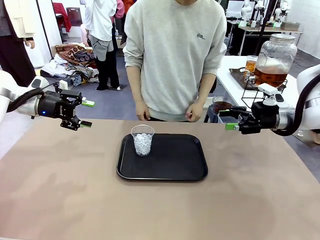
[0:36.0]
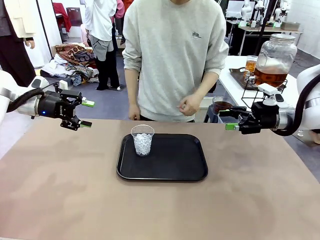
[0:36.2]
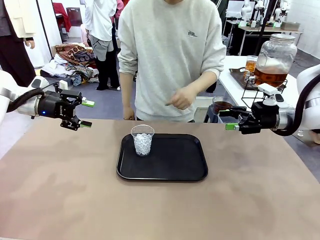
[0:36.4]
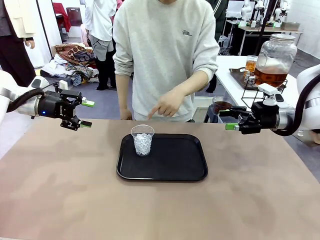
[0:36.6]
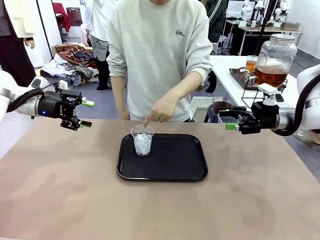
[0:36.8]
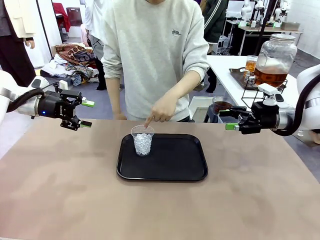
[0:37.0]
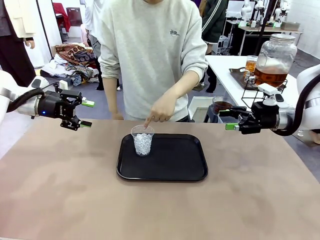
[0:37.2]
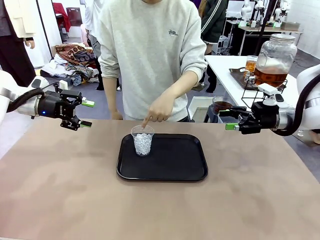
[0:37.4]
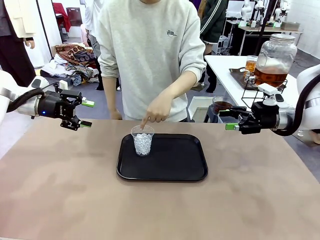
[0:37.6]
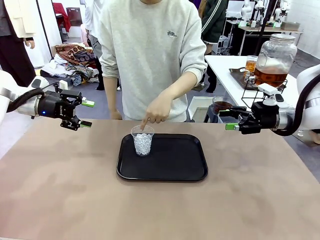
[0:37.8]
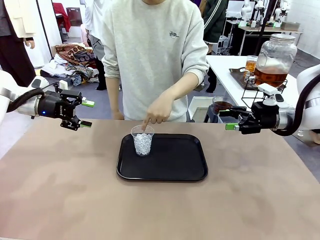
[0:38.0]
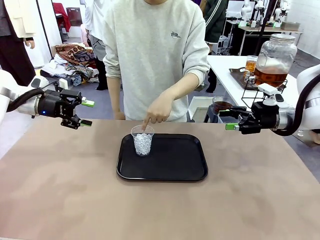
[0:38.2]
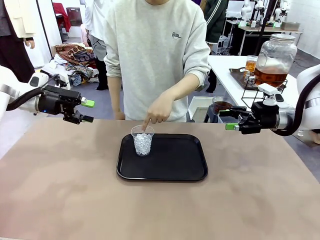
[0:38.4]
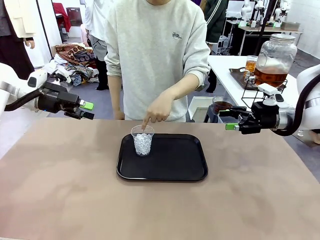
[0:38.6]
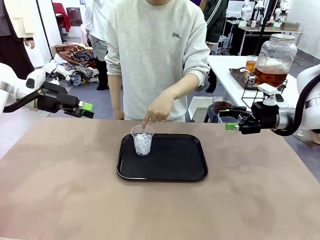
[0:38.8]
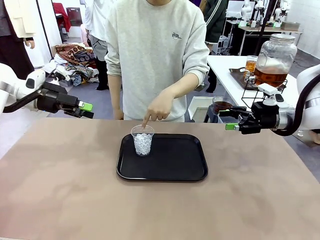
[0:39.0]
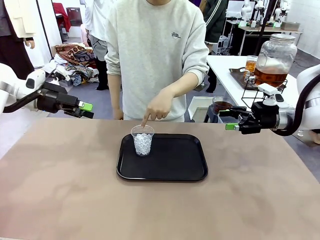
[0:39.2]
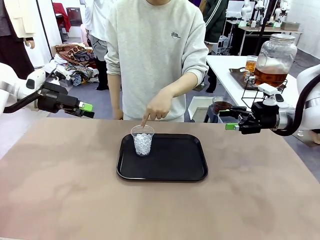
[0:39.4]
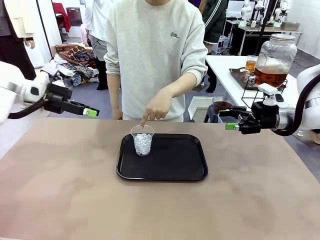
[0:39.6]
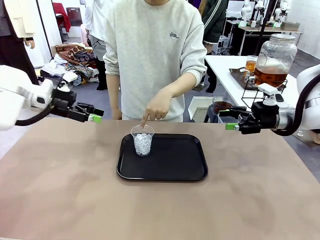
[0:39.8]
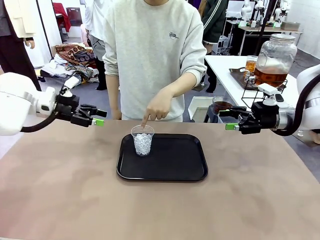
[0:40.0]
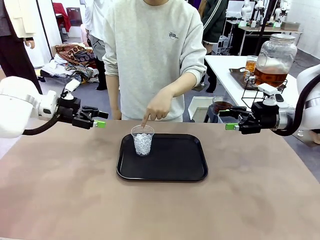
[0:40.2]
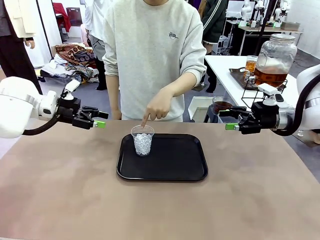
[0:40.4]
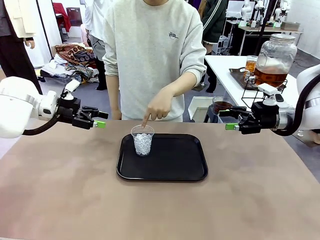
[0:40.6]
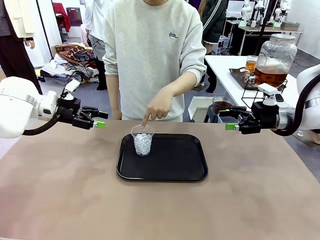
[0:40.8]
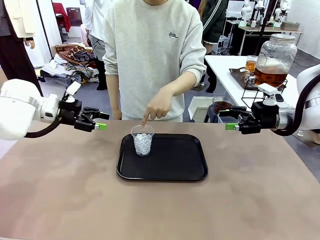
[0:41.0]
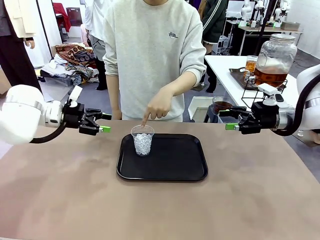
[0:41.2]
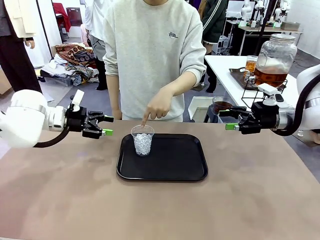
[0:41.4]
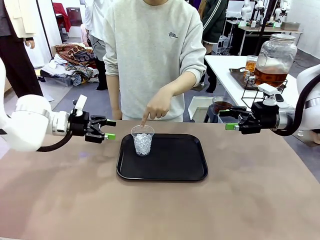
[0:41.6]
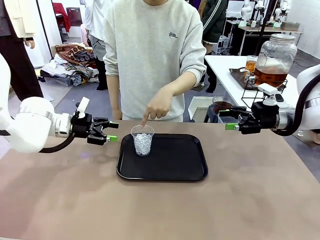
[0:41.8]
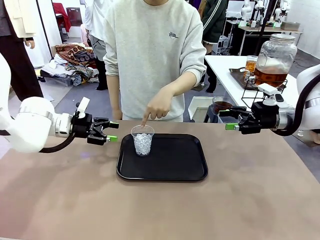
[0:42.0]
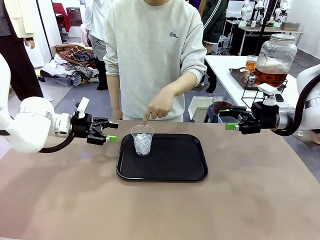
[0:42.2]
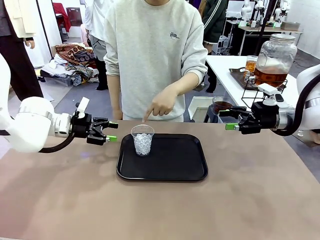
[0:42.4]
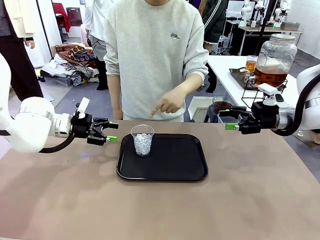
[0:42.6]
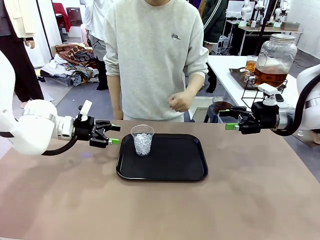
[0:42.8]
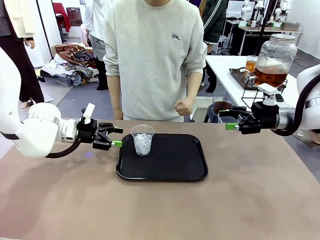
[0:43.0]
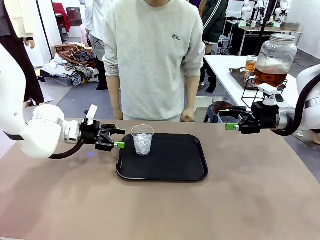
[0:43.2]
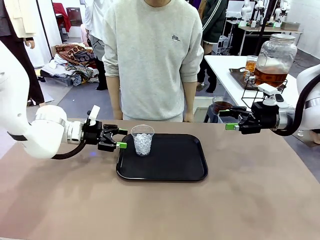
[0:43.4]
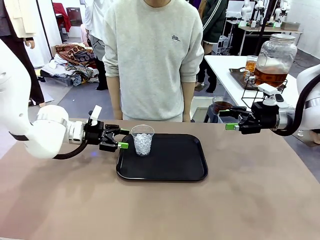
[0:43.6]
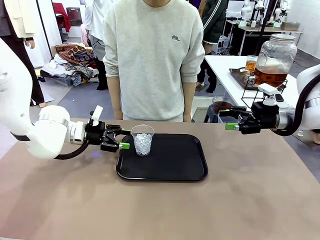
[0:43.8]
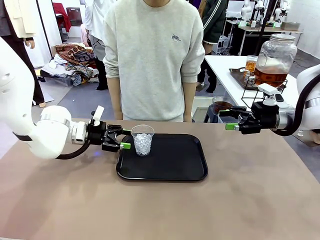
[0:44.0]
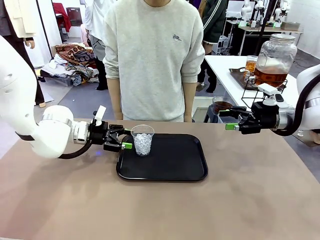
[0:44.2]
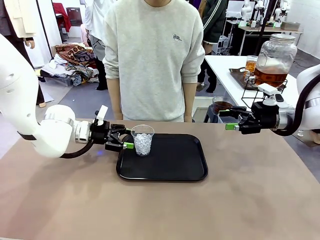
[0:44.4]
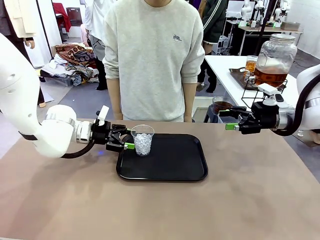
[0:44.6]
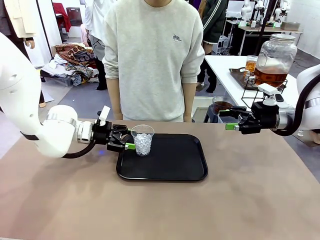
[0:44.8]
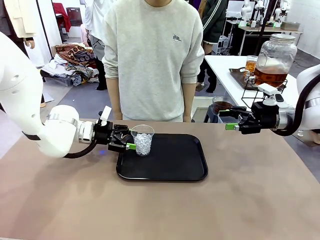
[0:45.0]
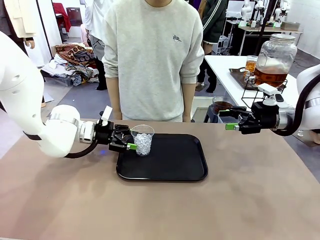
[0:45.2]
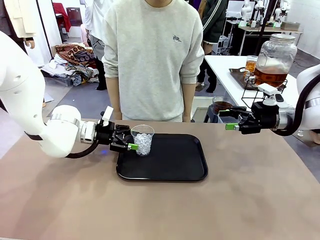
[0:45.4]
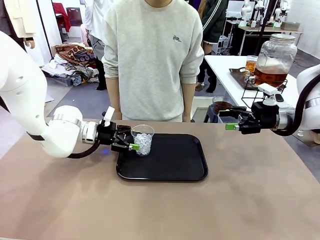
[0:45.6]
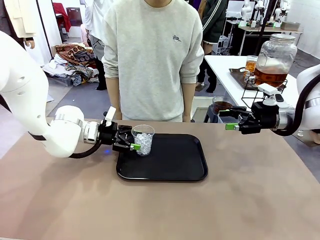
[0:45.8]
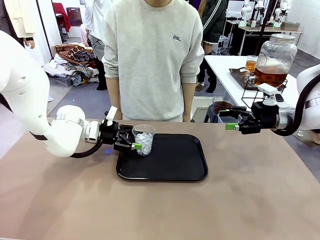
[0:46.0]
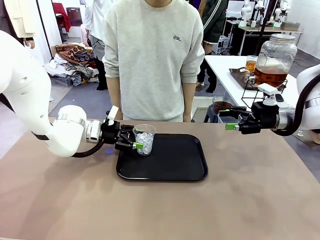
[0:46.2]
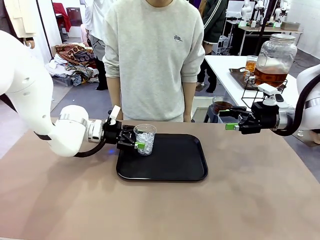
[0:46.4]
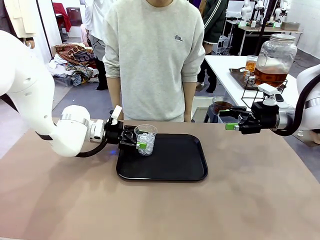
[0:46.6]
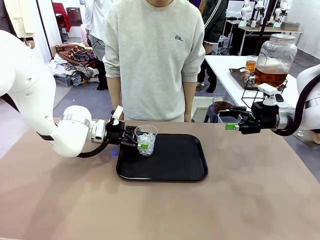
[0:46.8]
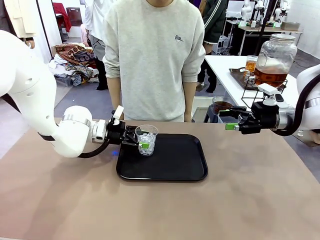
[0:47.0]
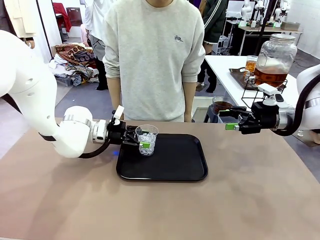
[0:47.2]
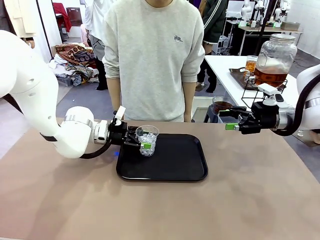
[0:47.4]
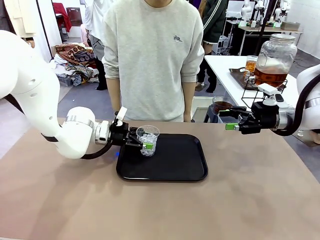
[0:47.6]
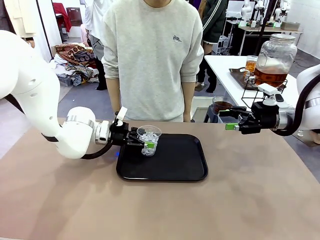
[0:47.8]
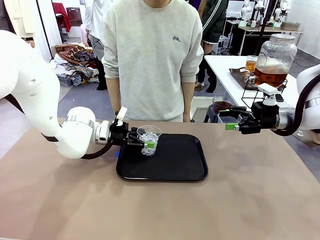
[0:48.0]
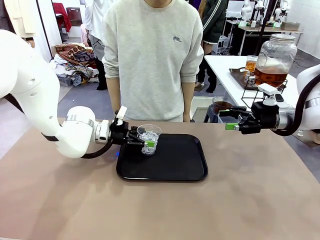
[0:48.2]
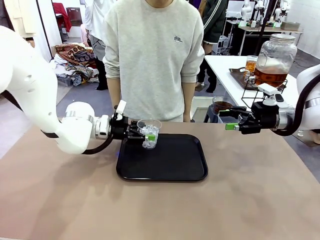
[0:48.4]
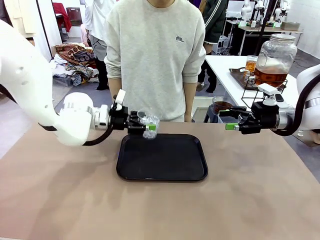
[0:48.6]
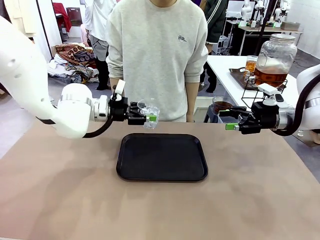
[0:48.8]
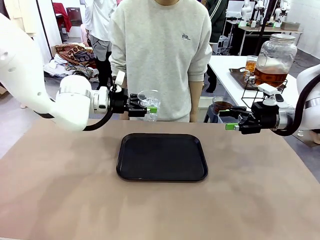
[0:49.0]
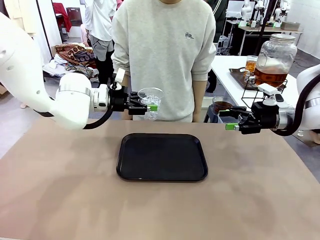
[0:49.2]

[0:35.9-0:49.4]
Task: Pour the drink into the iced cup.
Robot: Pick up the iced cup indicated by the human and present it to them.
Person: Pick up the cup offered by the robot.
